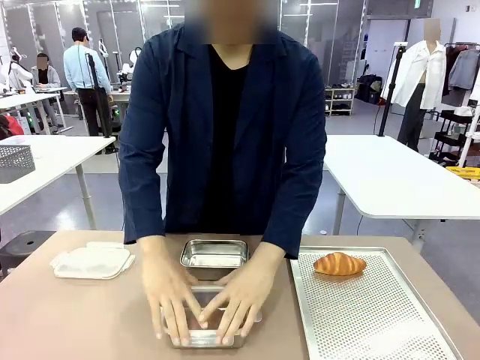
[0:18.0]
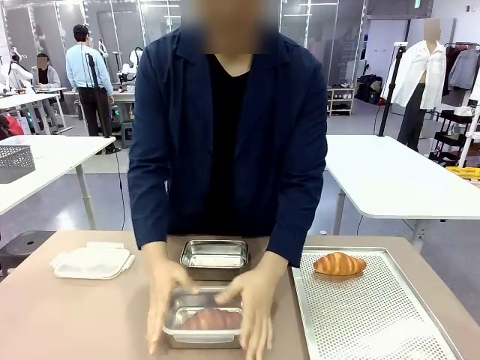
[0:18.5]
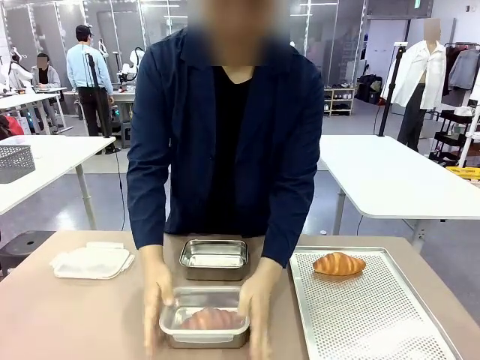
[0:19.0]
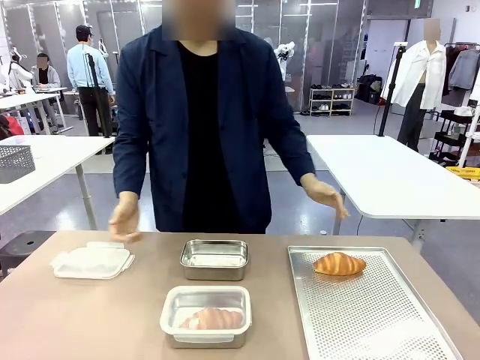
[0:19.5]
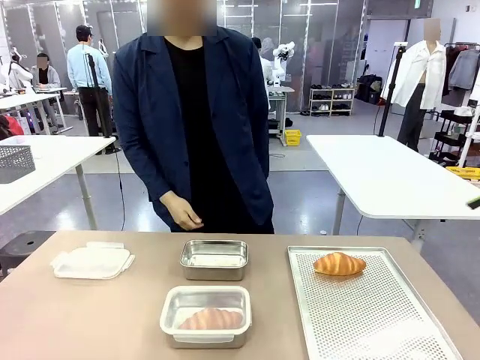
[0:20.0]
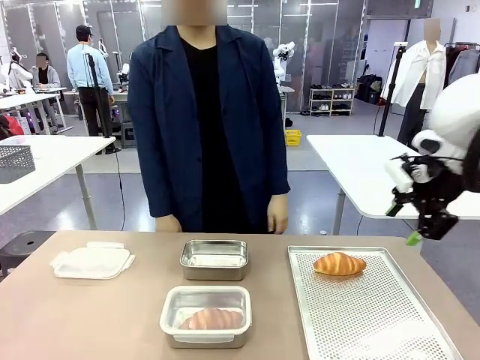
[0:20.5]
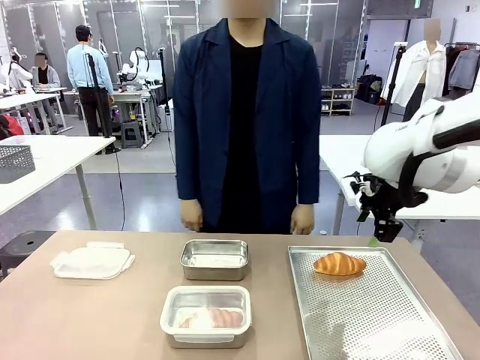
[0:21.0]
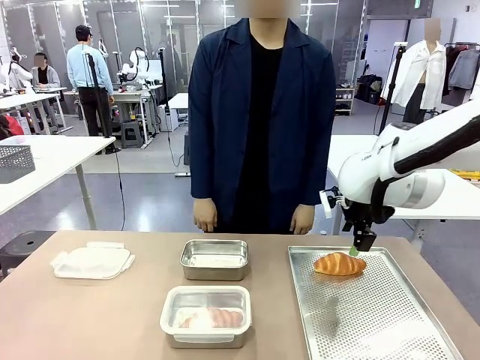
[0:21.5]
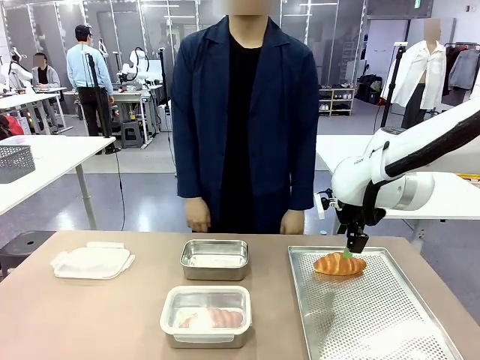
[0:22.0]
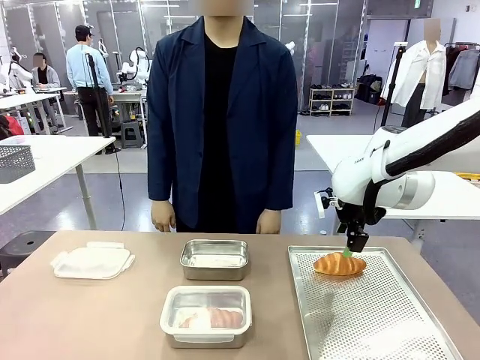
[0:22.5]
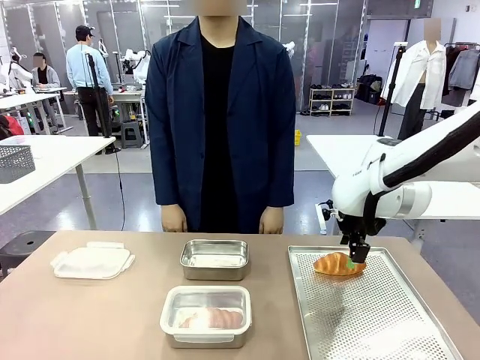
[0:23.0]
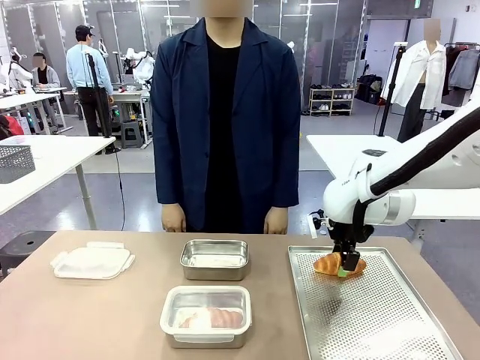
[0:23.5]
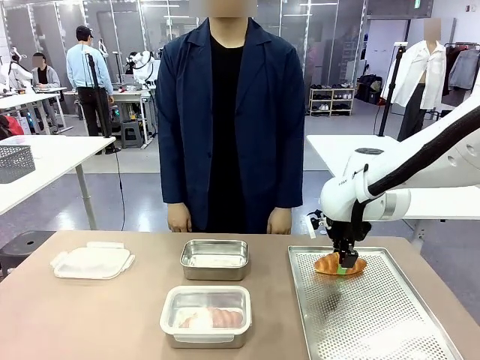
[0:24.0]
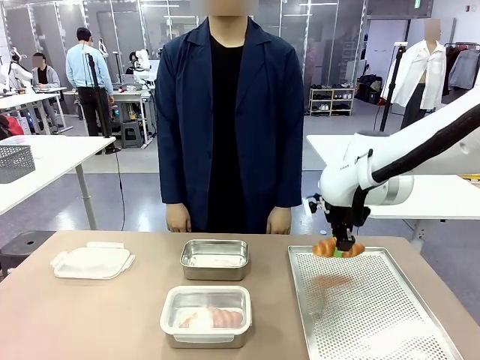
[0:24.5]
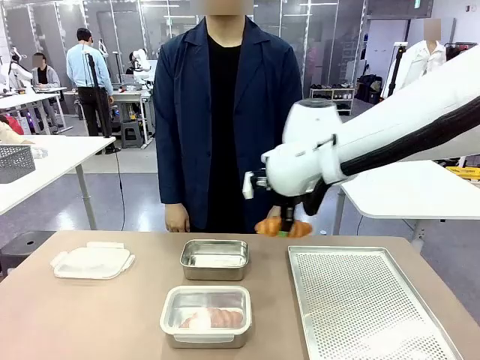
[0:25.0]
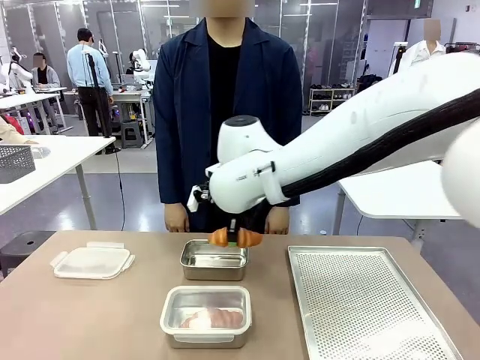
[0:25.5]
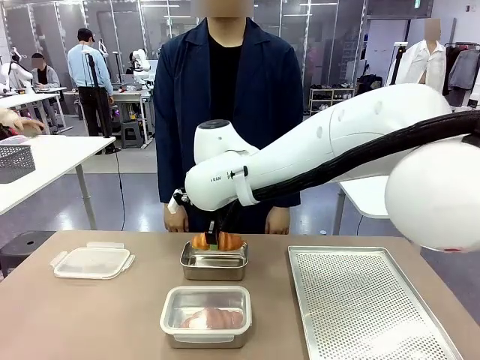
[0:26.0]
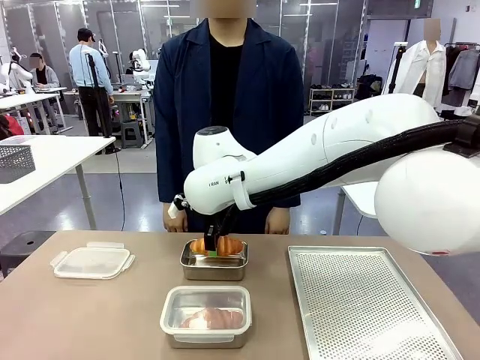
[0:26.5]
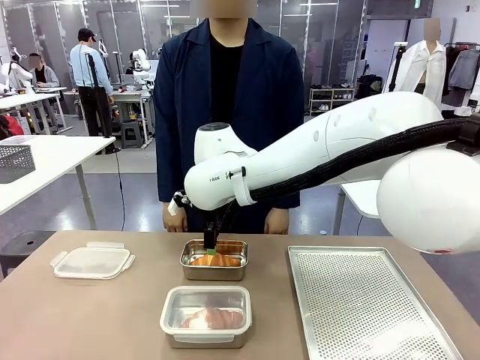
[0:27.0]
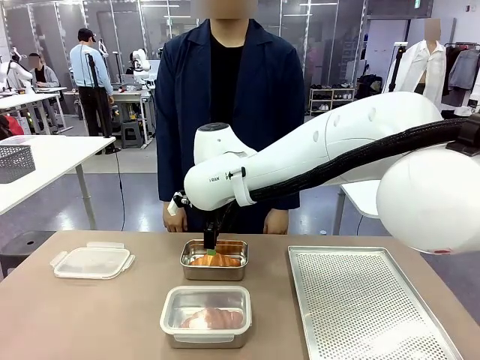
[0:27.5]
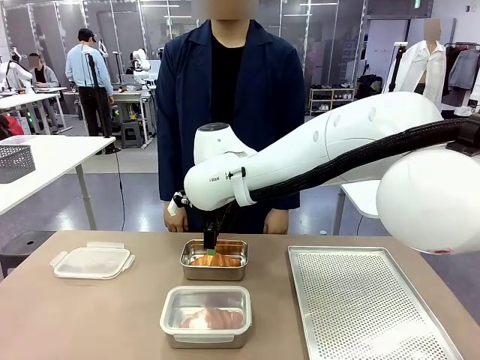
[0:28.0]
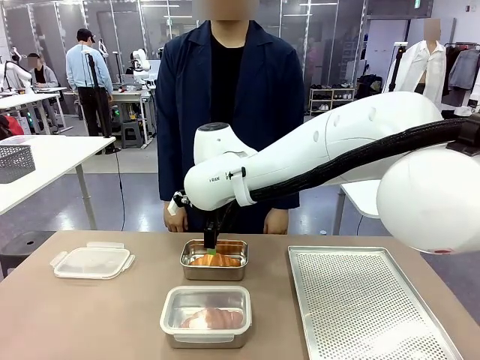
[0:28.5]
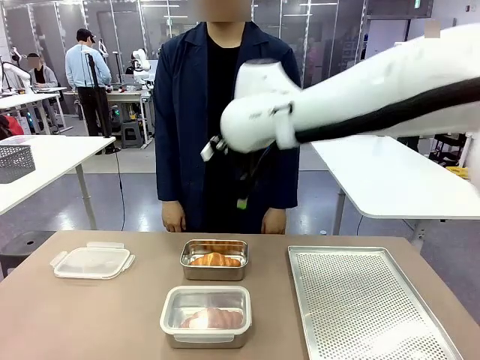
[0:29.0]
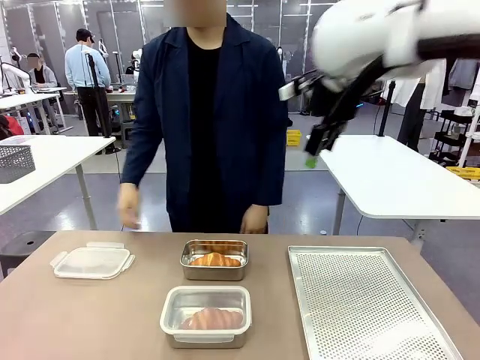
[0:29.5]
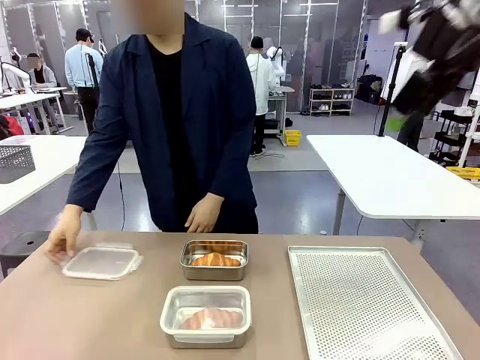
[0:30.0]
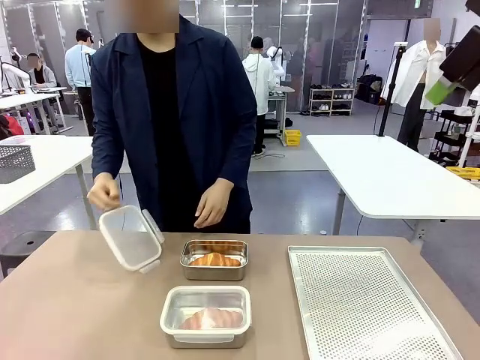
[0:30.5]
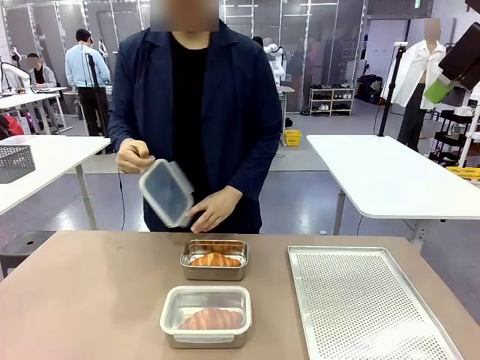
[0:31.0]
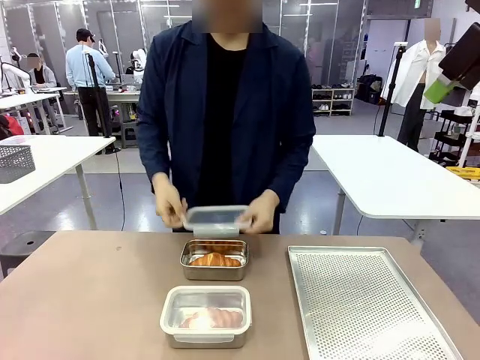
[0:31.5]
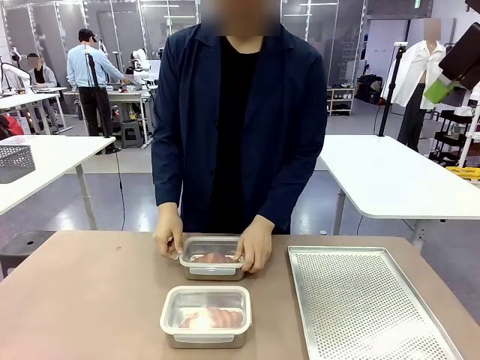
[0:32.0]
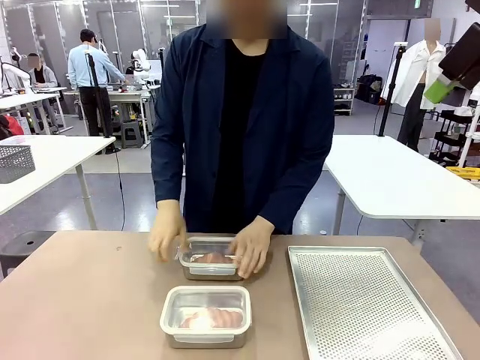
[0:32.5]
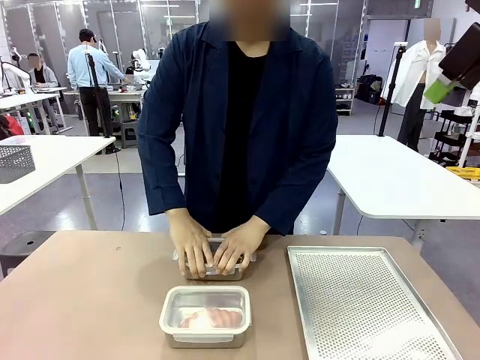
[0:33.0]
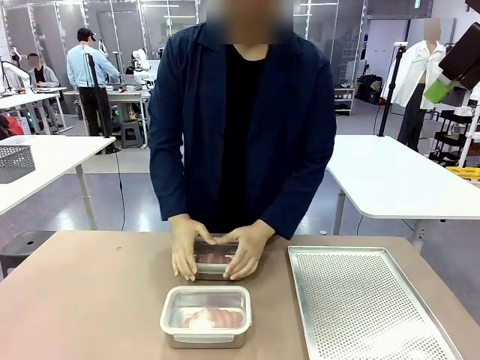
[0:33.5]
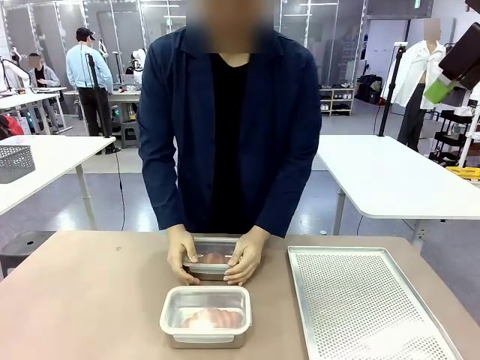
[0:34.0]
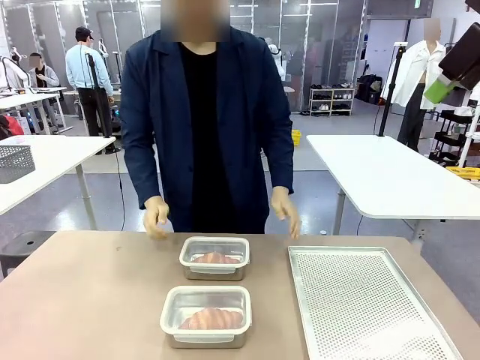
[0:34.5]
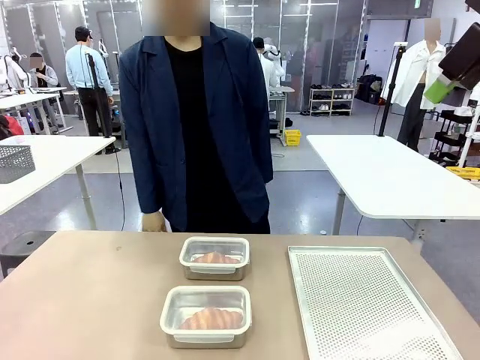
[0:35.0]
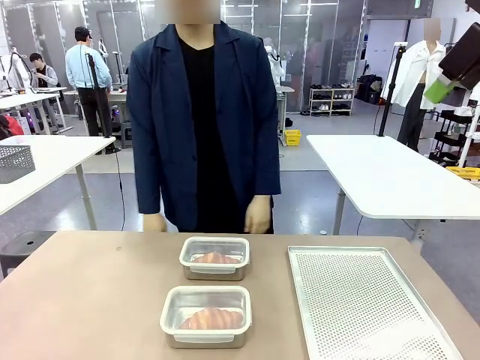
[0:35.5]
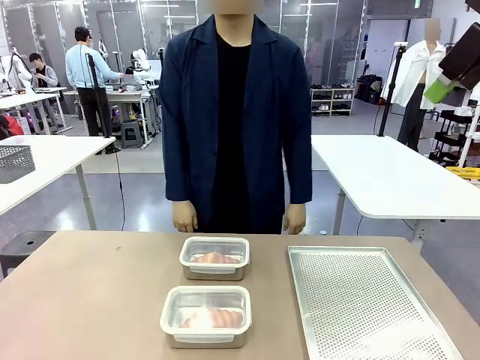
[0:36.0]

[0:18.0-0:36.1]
Task: Place the bread into the airtight container.
Robot: Pick up a Butter Roll and place it into an empty Airtight Container.
Person: Once a Butter Roll is inside an Airtight Container , close the lid of that Airtight Container.
